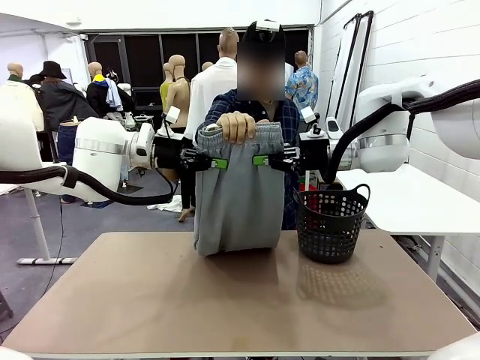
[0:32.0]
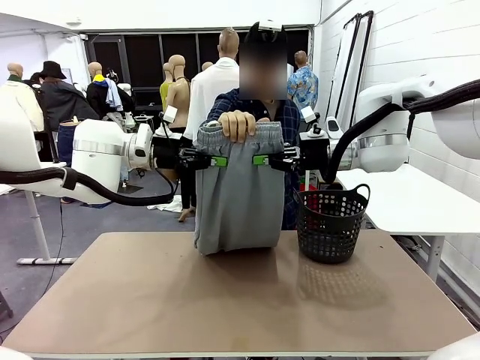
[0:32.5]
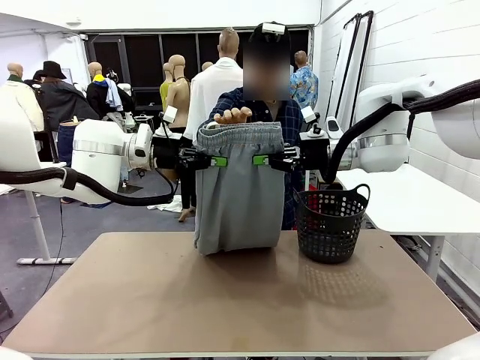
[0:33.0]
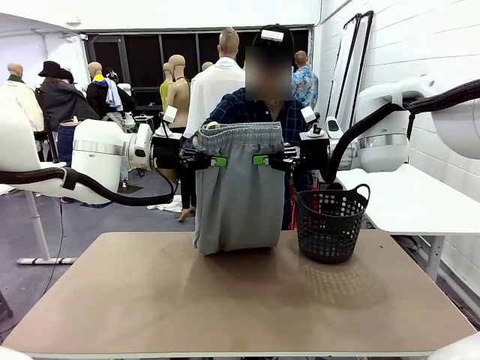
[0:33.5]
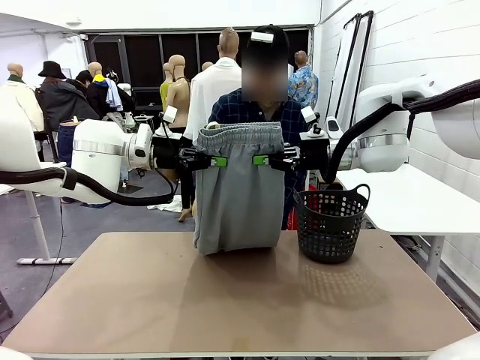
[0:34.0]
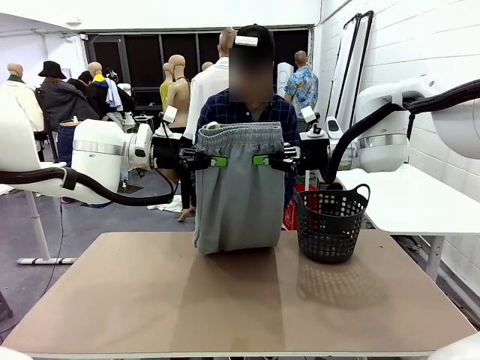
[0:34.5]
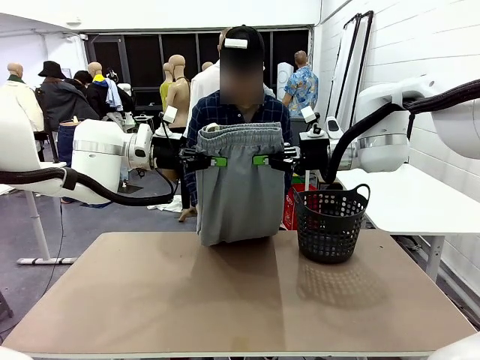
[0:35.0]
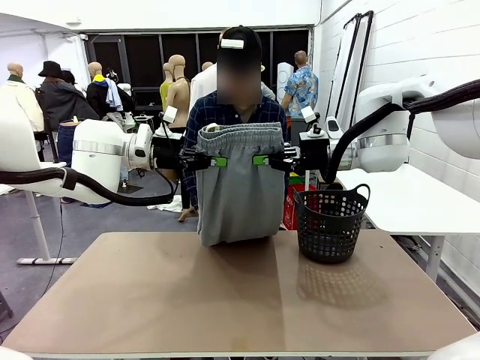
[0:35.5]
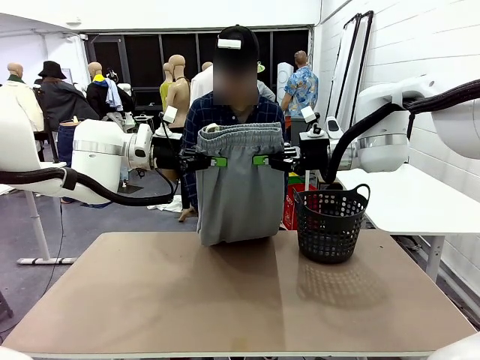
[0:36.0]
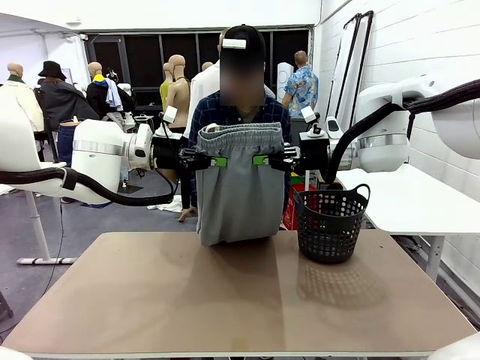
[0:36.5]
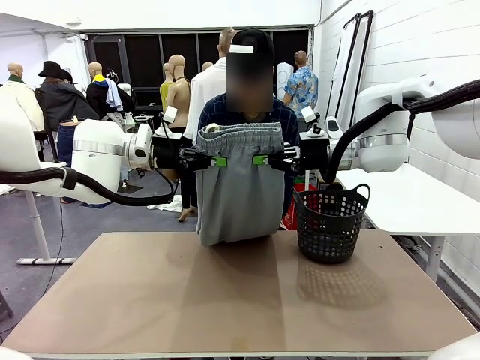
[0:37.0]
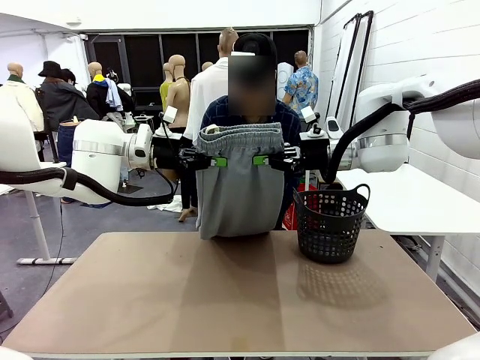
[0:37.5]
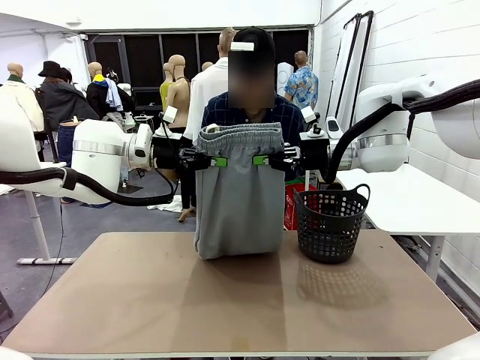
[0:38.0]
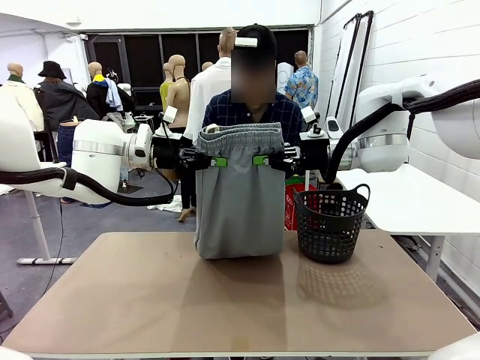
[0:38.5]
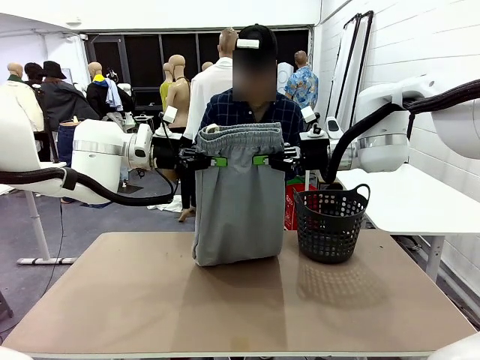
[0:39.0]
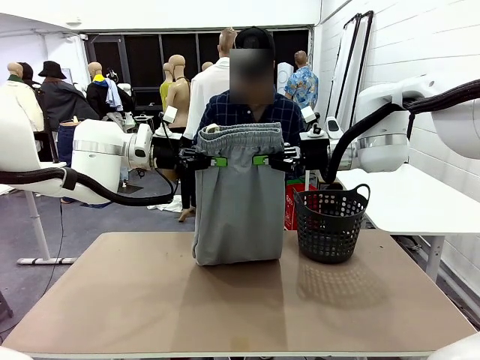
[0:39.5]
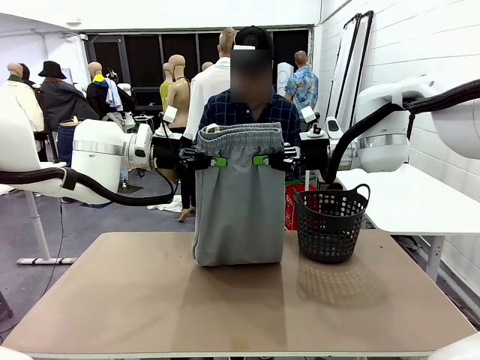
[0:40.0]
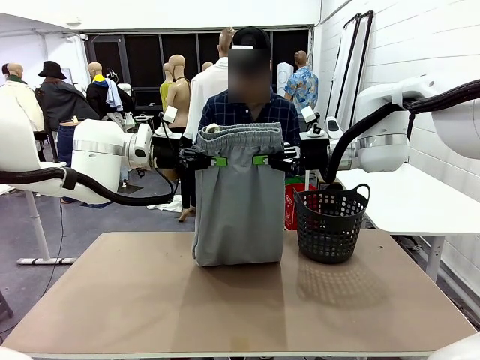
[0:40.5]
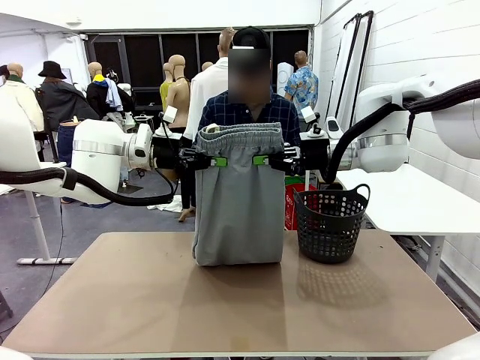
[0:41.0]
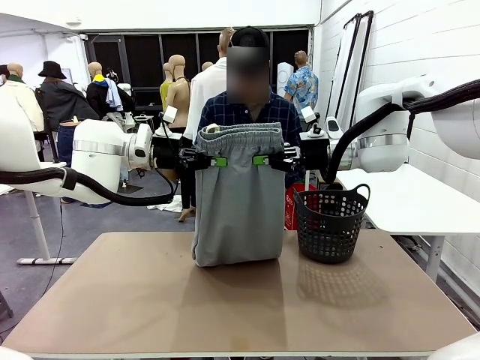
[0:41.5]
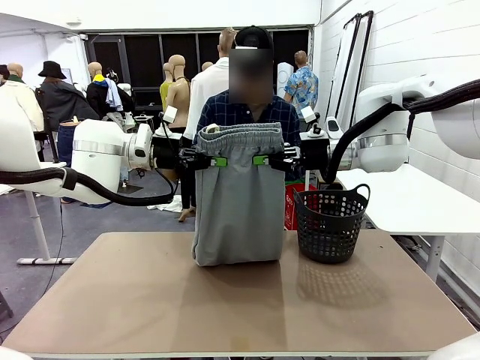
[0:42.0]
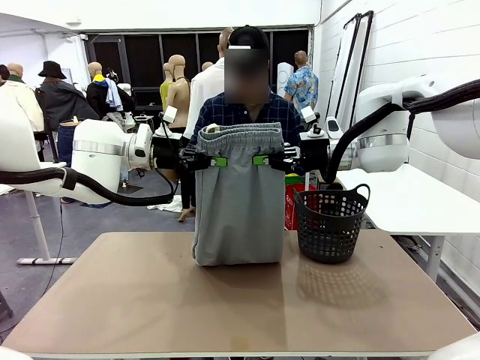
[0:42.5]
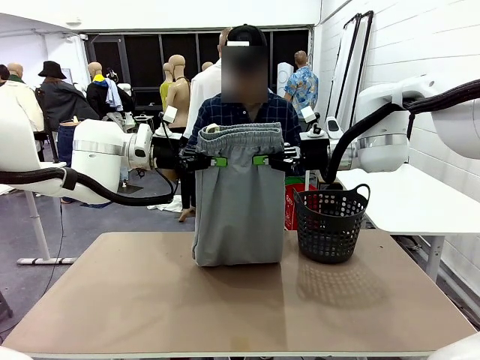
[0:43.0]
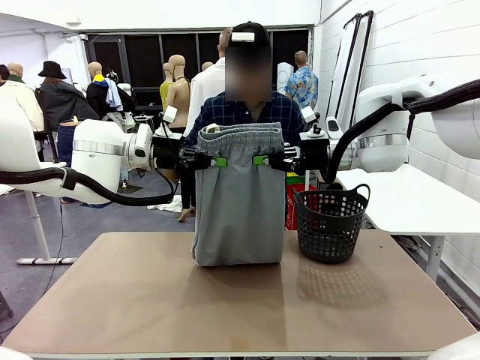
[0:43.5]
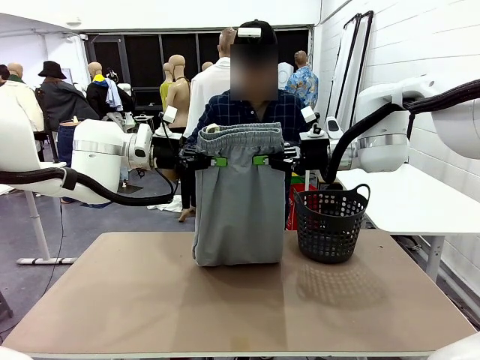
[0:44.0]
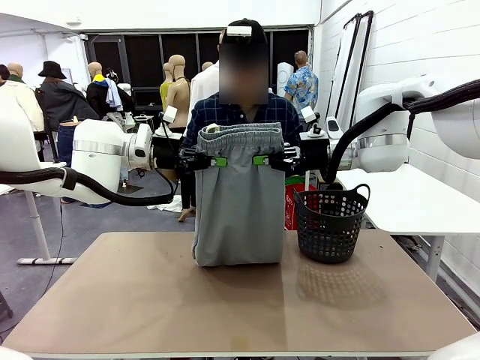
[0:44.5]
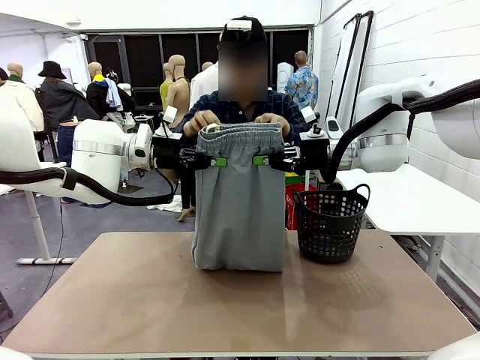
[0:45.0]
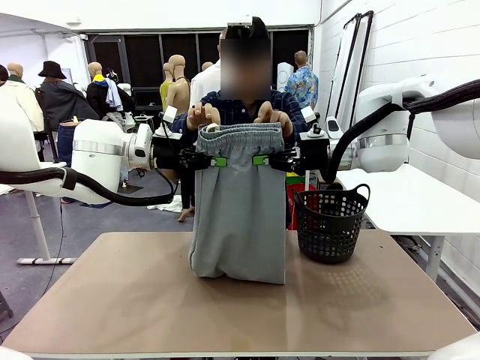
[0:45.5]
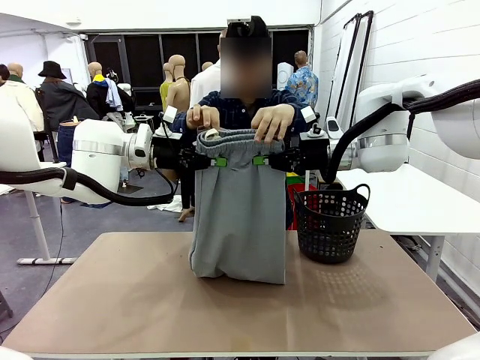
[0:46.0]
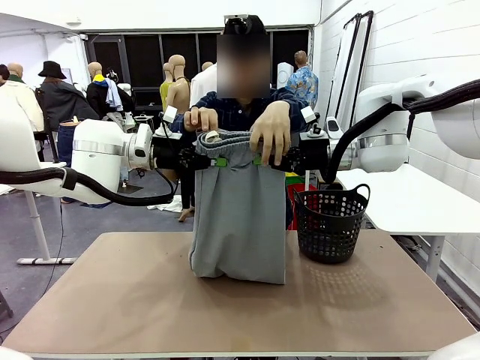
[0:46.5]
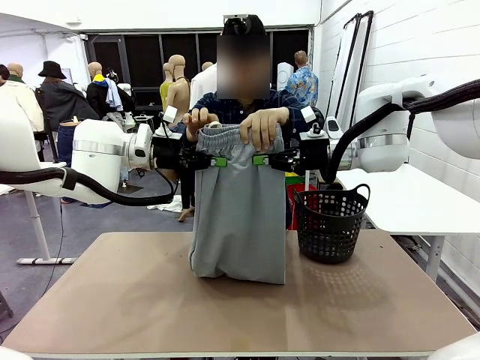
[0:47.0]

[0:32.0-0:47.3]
Task: Fold the training pants.
Robot: Release the ends of the Training pants and then grab the overlapped ends.
Person: Grasp the end opposite the point the robot is holding, fold the pants in half, and then grasp the overlapping top end of the folded pants.

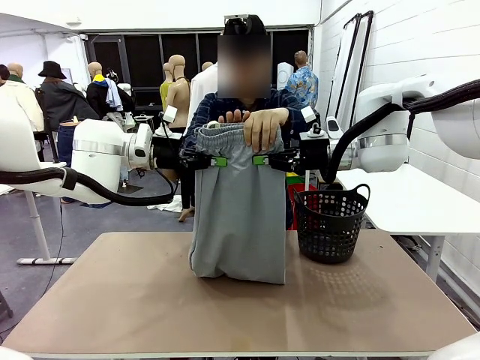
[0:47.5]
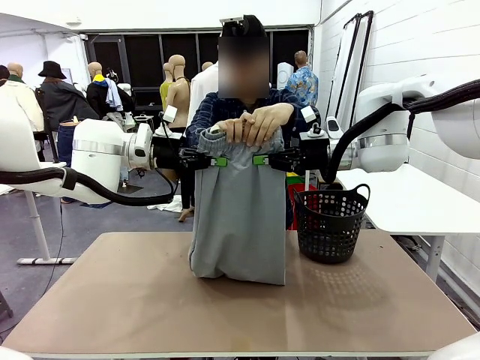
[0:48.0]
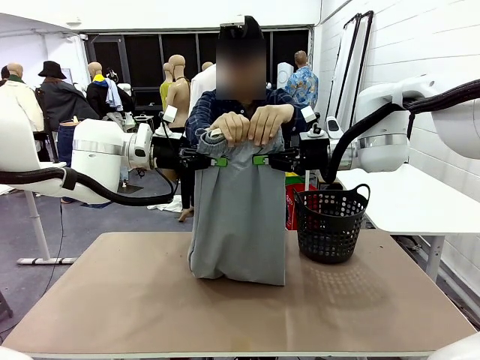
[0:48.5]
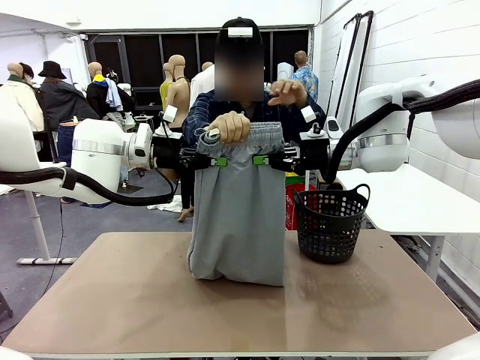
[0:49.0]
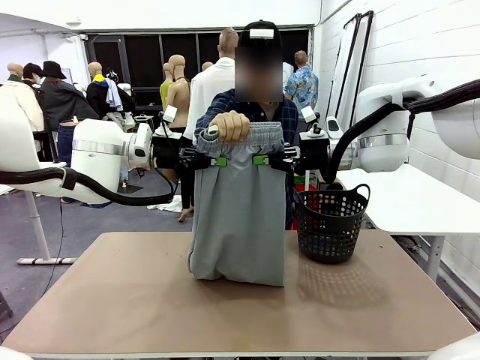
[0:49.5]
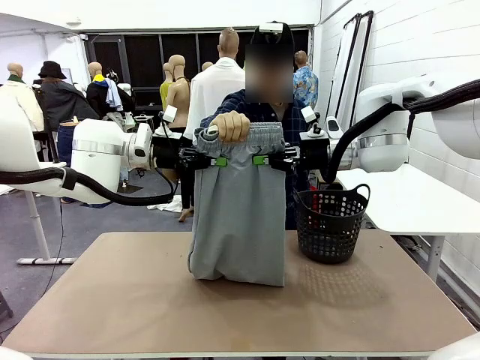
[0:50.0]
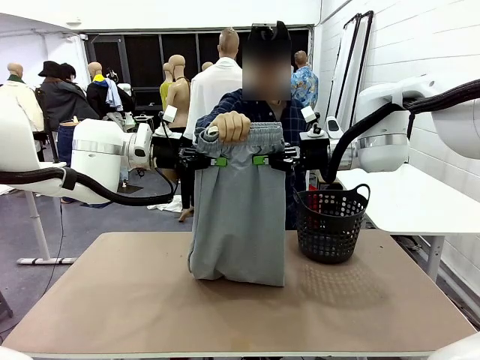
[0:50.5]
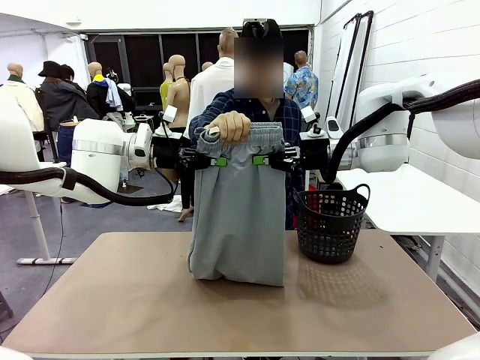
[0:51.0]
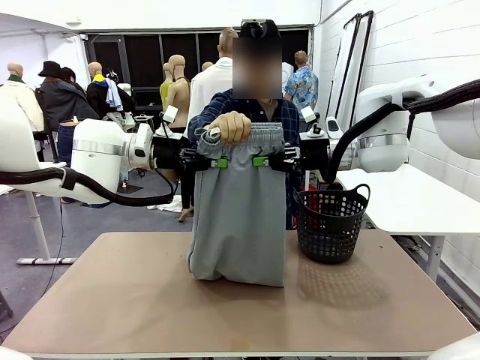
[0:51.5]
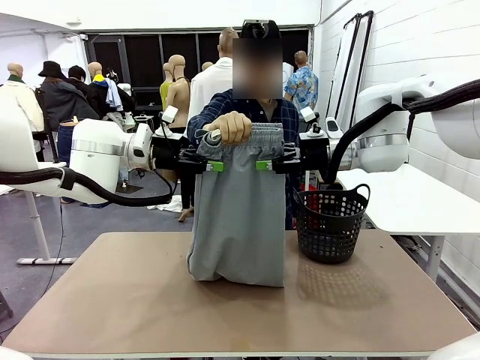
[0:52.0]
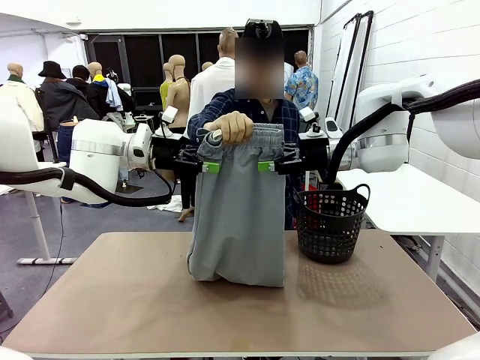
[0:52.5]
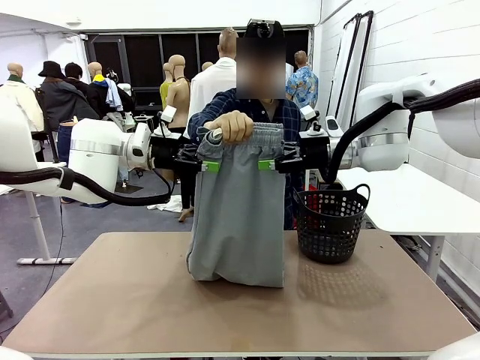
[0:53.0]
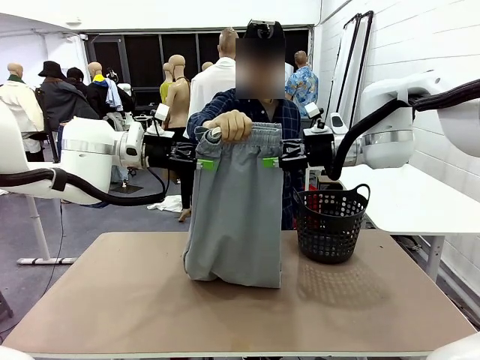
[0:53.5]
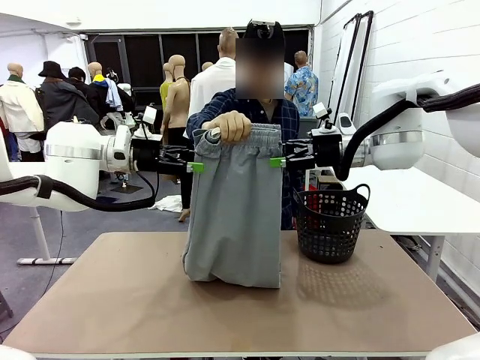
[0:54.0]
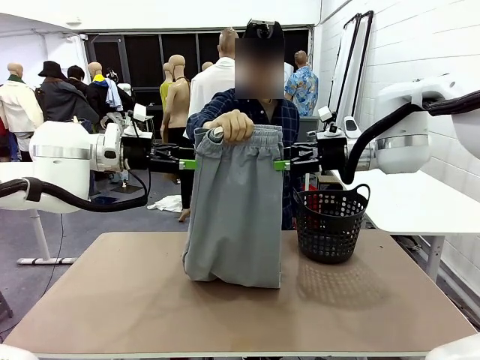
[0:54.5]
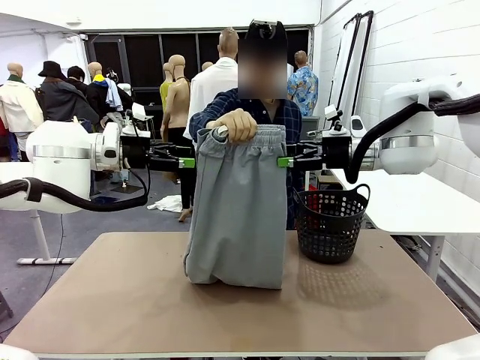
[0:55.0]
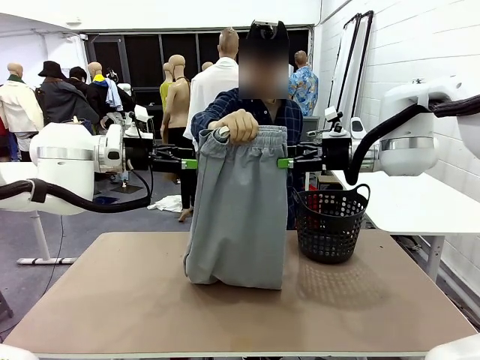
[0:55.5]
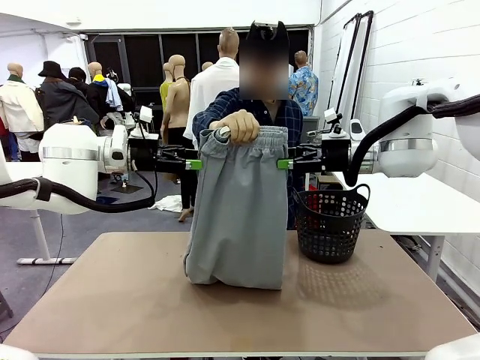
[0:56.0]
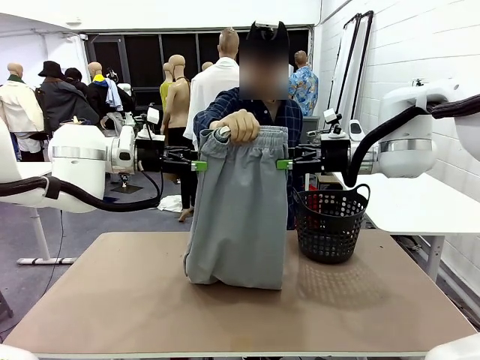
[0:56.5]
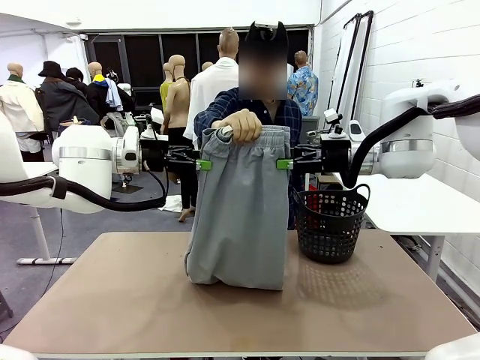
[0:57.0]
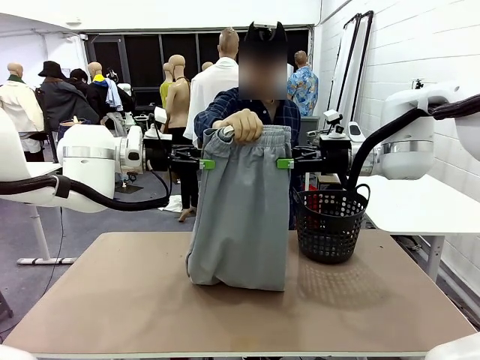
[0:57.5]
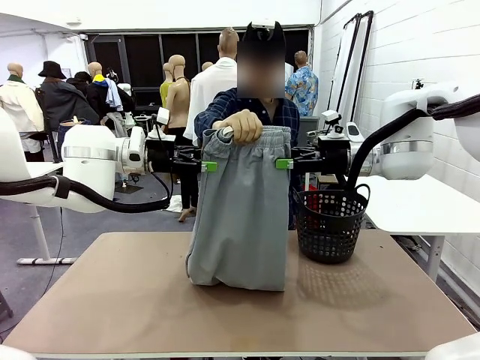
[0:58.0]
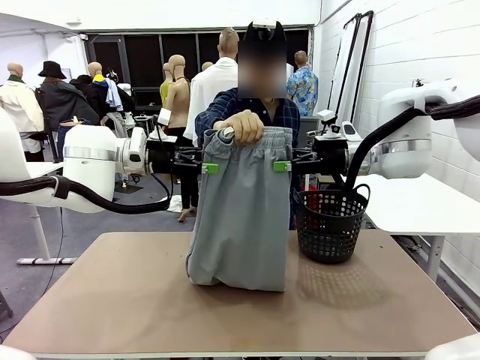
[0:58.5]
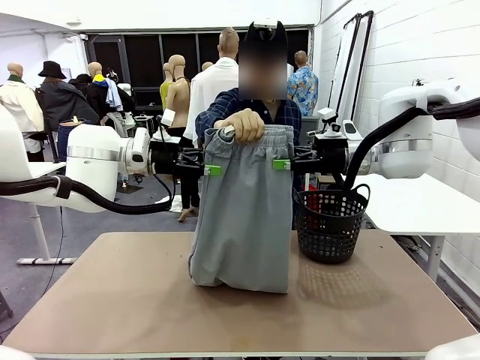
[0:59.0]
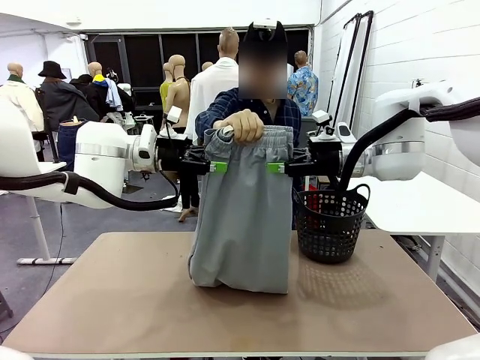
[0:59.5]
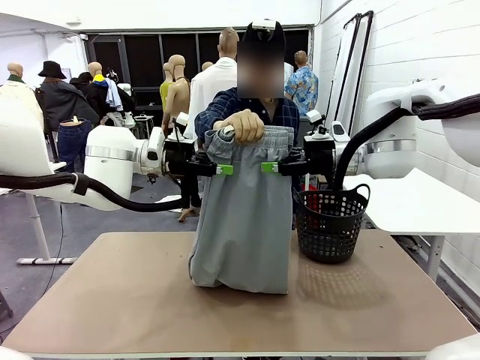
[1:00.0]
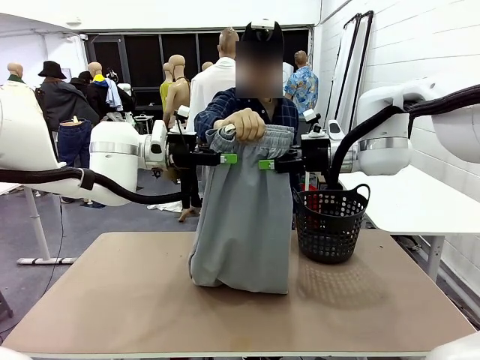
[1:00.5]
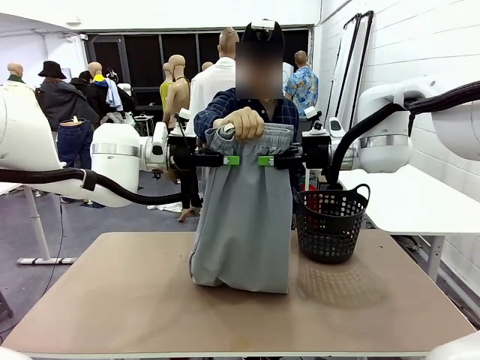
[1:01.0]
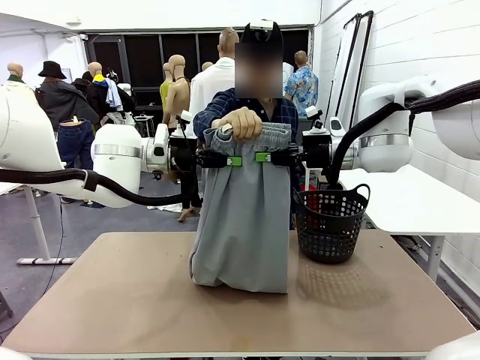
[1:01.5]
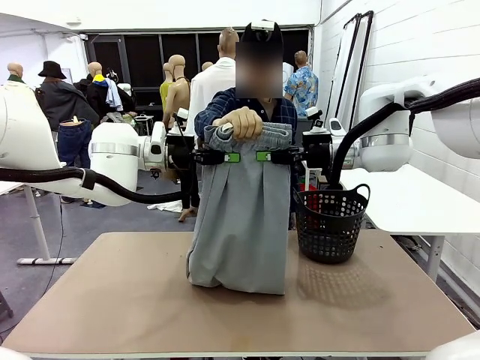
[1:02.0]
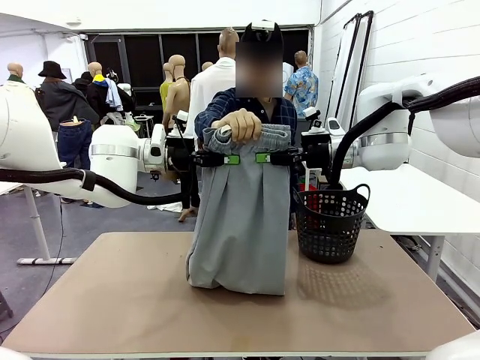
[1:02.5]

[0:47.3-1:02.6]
Robot: Release the ends of the Training pants and then grab the overlapped ends.
Person: Release the pants you were holding.
